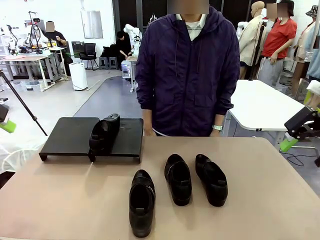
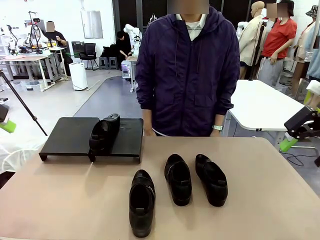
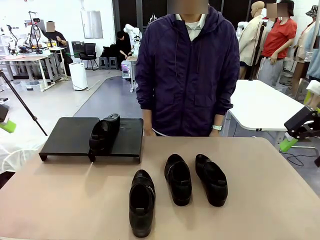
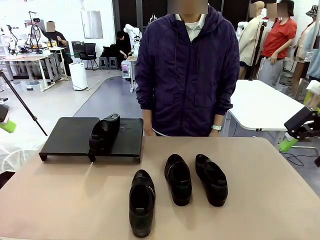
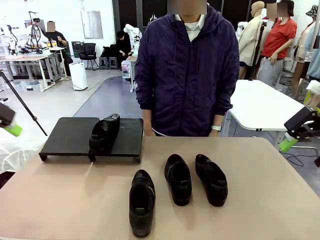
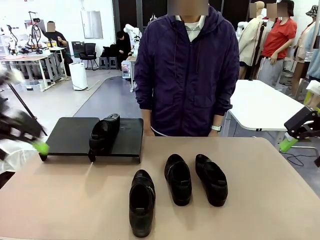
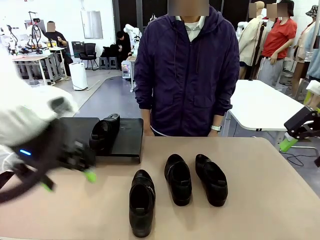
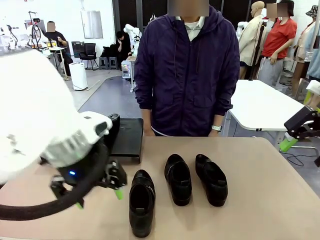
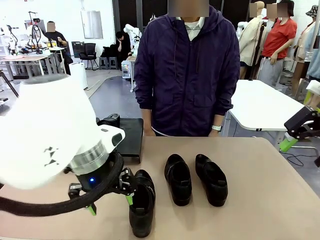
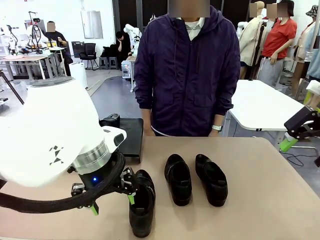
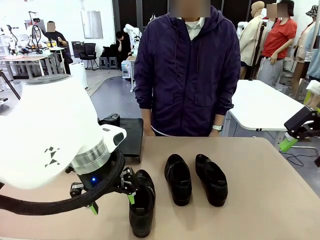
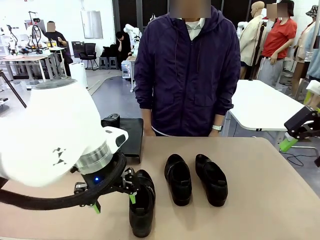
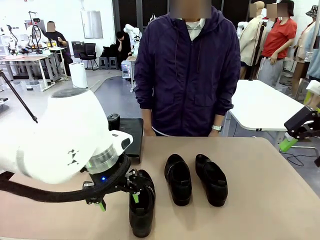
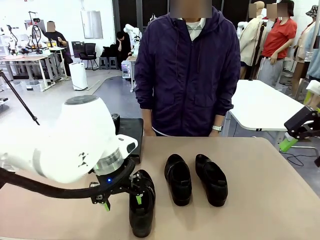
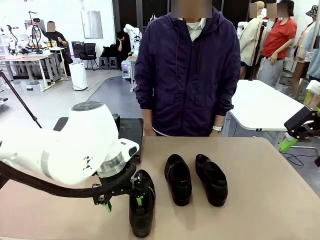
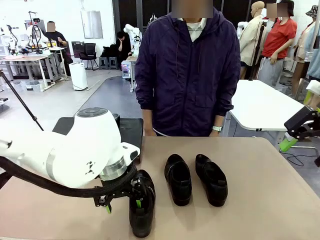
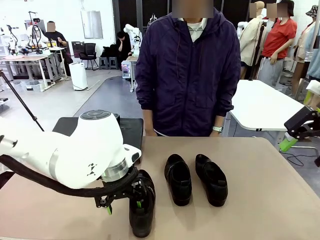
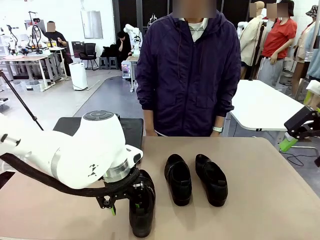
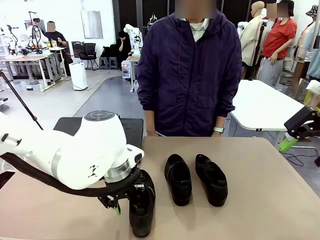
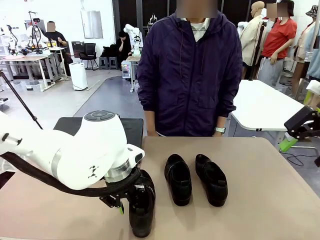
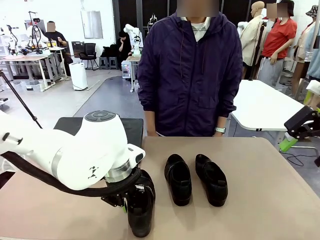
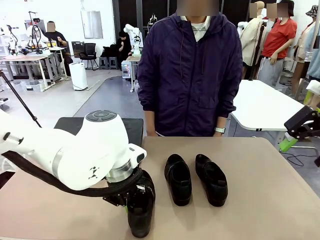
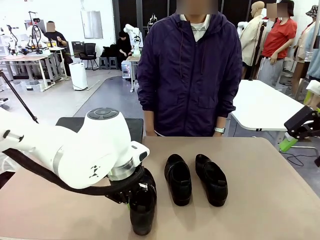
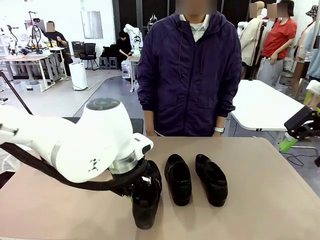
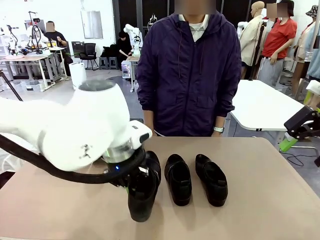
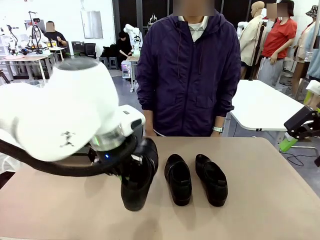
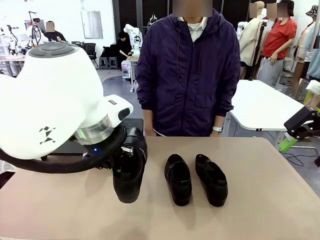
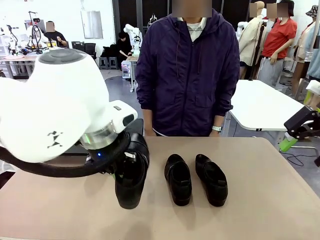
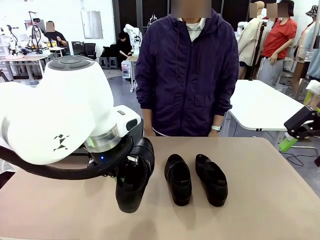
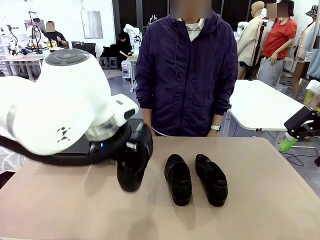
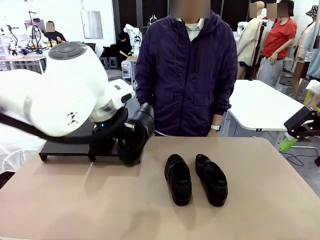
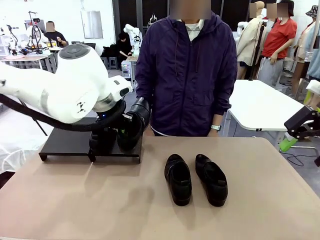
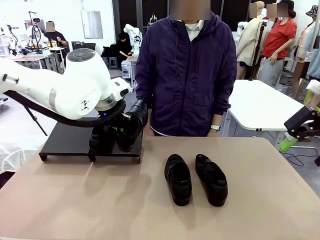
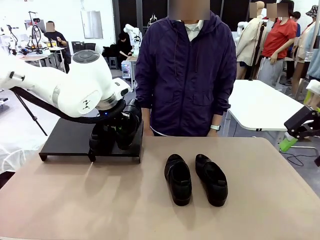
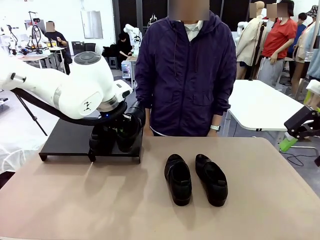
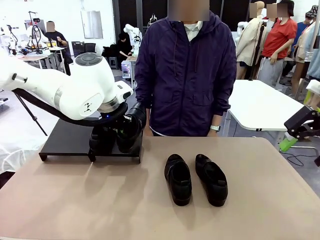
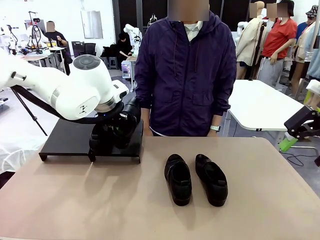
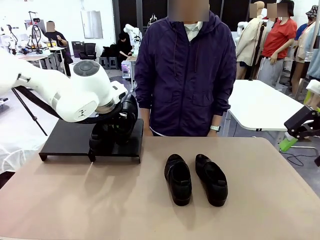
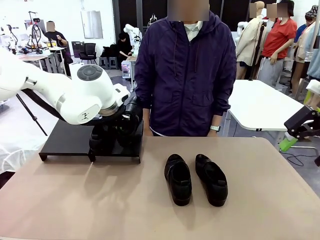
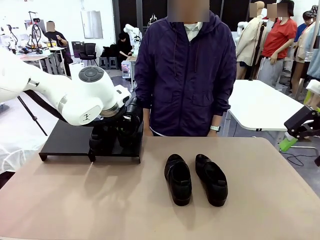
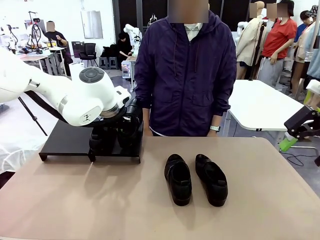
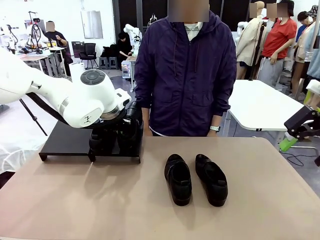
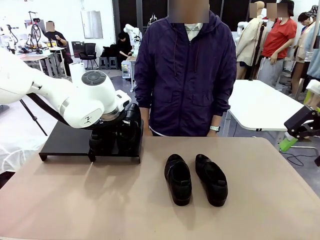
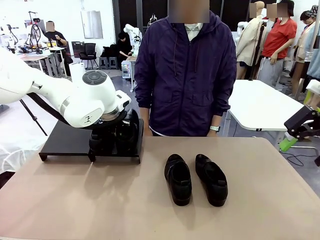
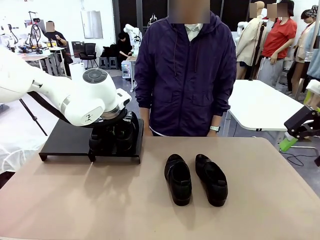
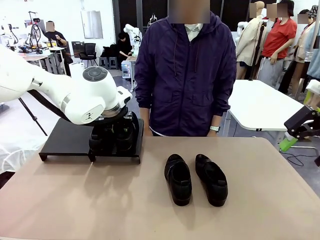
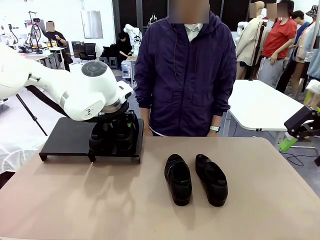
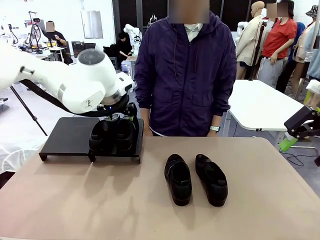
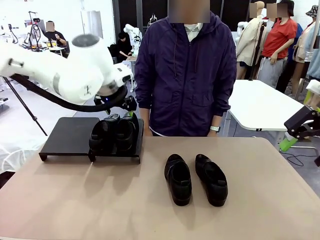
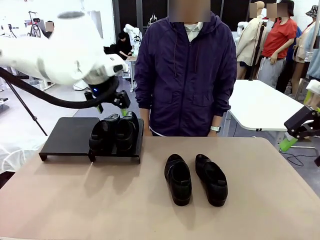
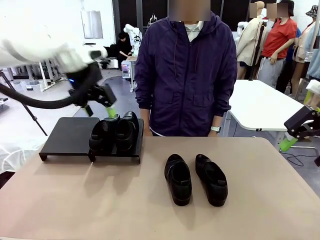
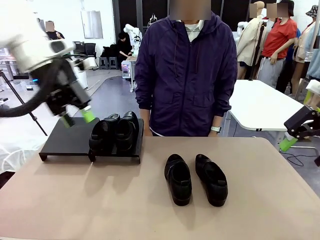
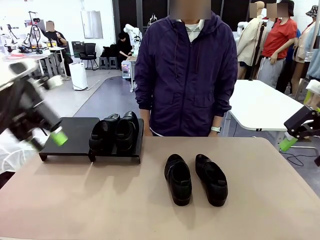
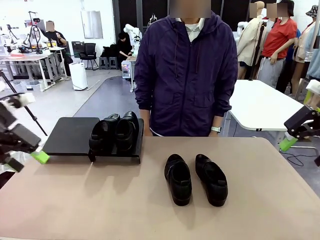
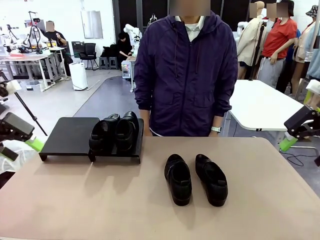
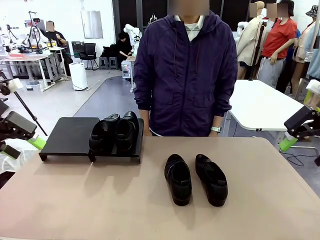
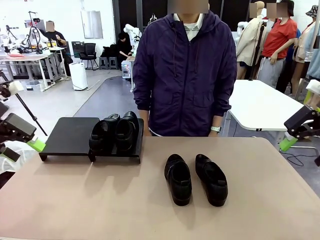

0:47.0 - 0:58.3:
Task: Organize the shoes by placing them on the stand.
Robot: Place the Shoe from the middle of the table onto the Shoes Stand.

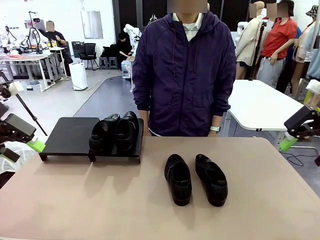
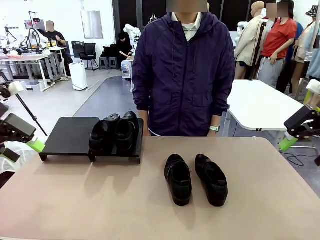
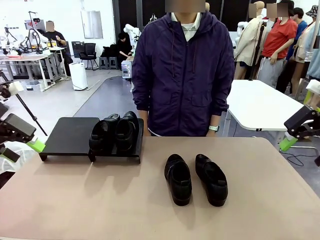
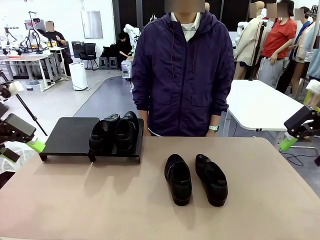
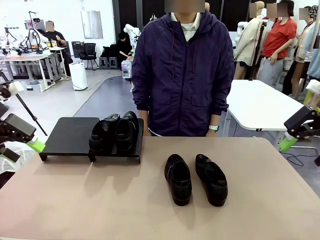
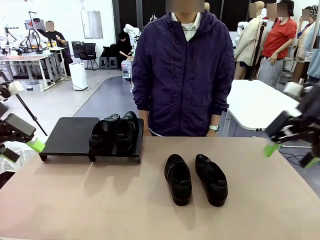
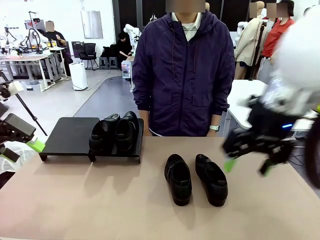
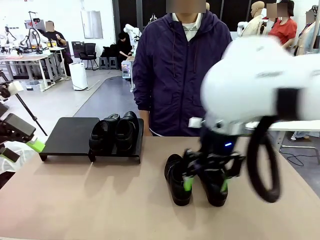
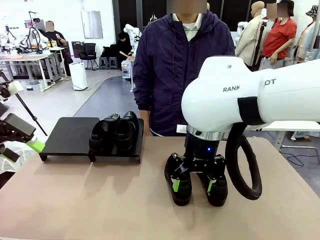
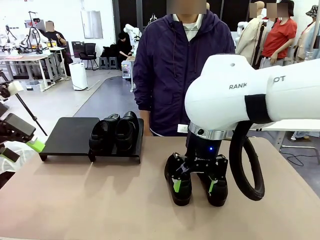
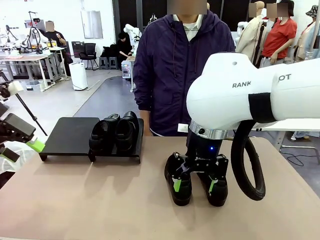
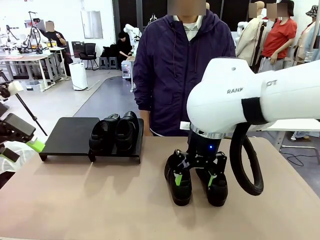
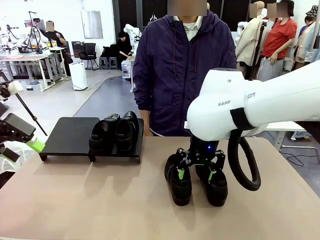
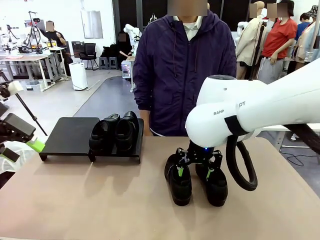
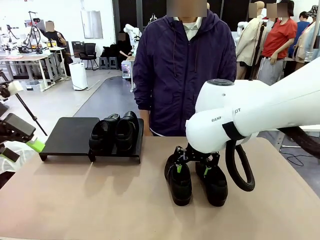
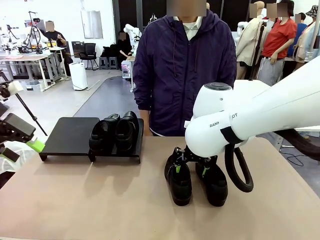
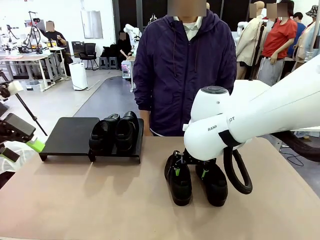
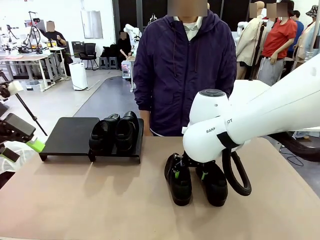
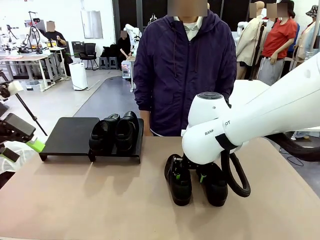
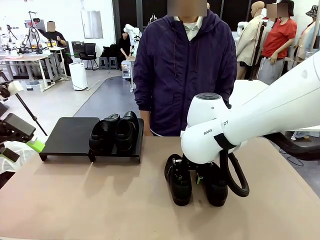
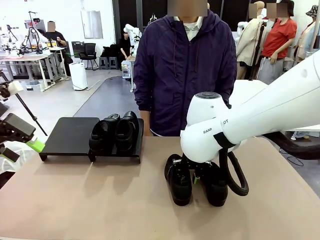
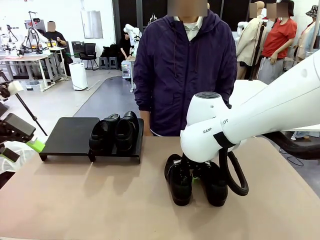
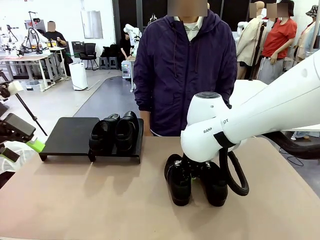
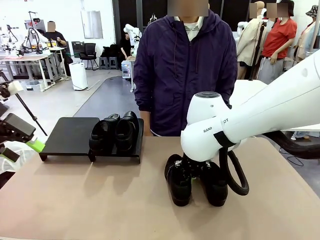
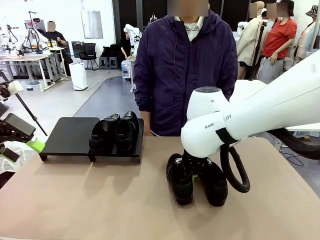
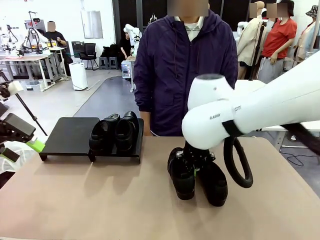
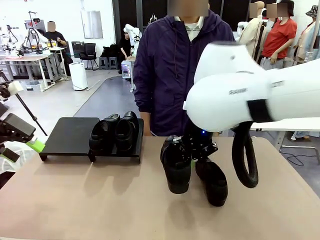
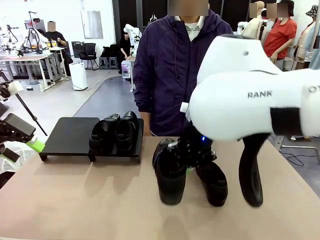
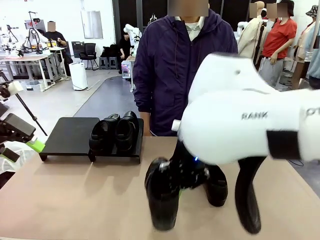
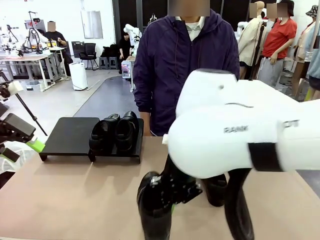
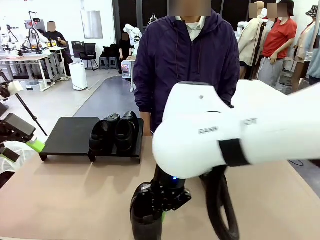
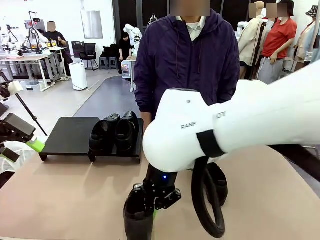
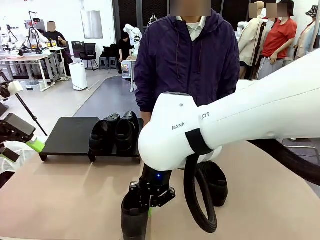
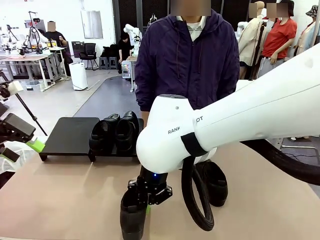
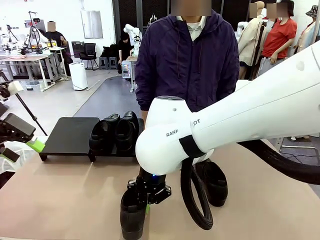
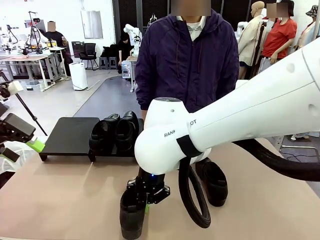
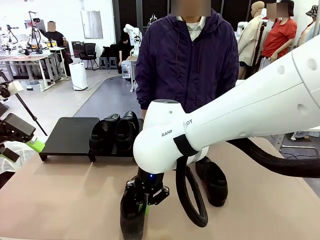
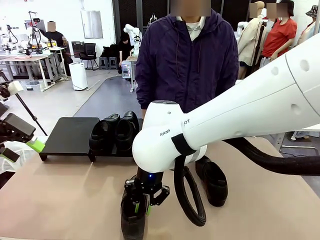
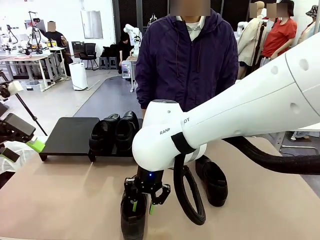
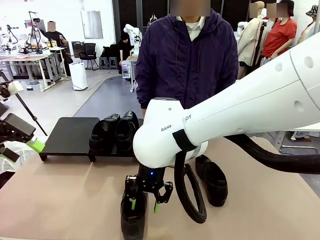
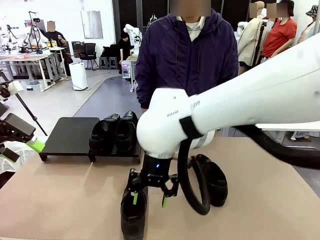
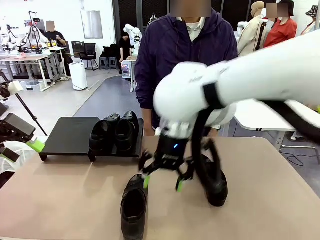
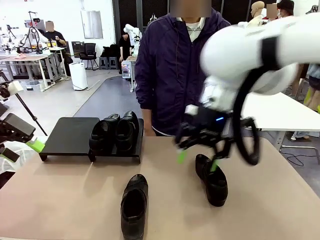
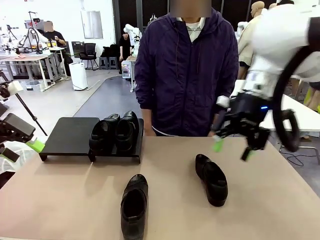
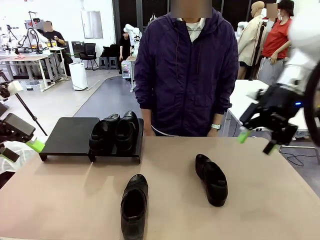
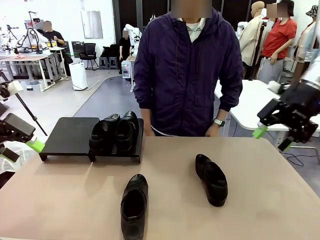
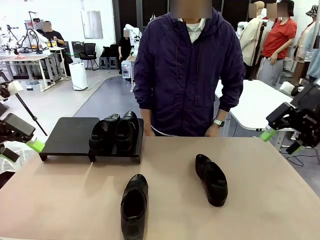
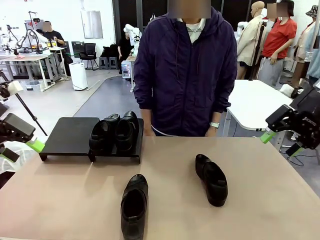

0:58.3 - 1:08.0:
Robot: Pick up one Shoe and place it in the middle of the table.
